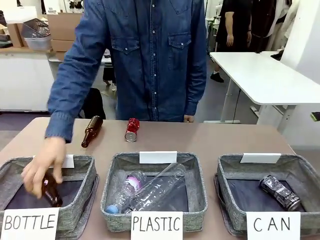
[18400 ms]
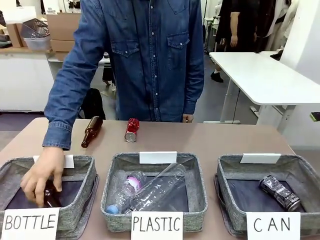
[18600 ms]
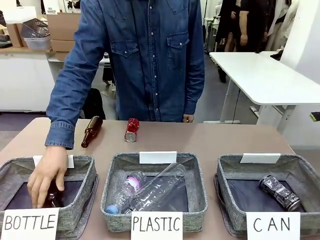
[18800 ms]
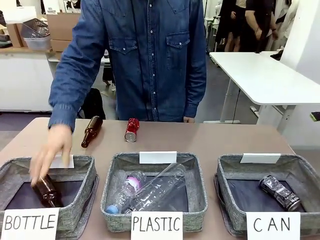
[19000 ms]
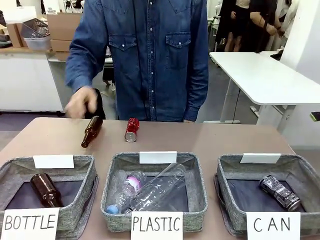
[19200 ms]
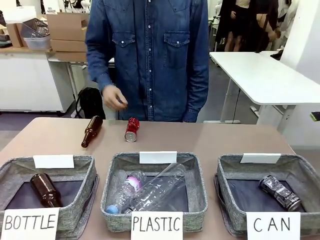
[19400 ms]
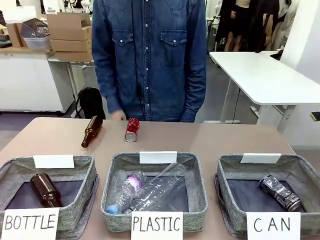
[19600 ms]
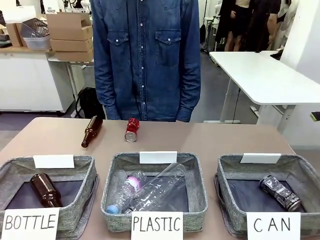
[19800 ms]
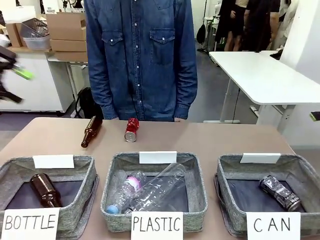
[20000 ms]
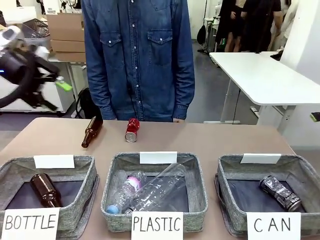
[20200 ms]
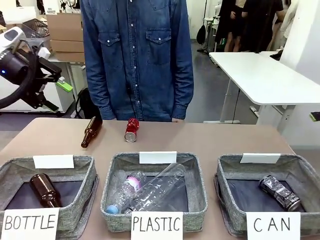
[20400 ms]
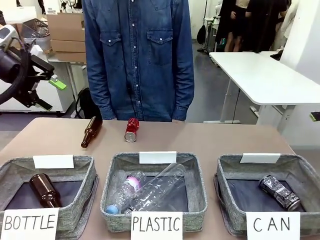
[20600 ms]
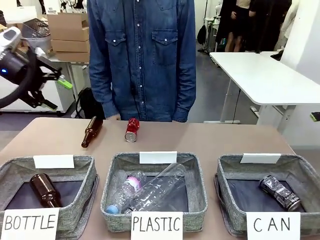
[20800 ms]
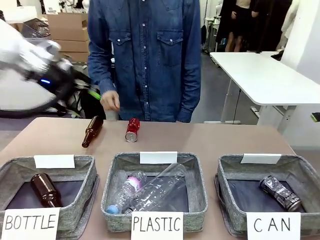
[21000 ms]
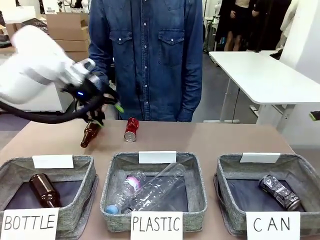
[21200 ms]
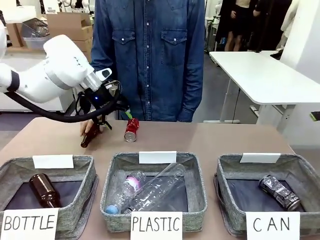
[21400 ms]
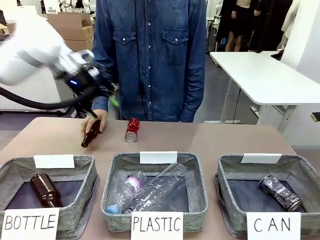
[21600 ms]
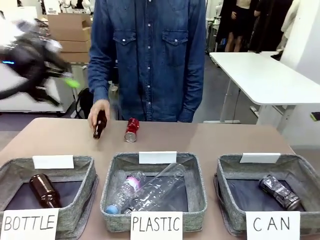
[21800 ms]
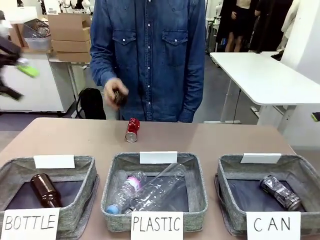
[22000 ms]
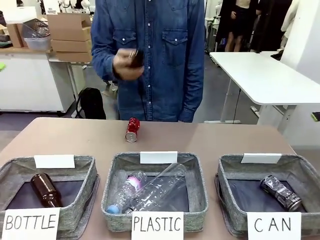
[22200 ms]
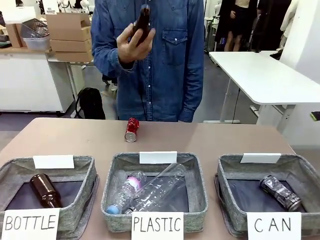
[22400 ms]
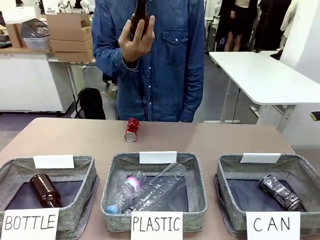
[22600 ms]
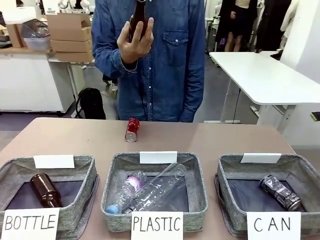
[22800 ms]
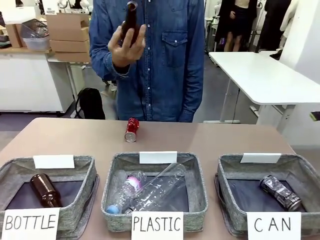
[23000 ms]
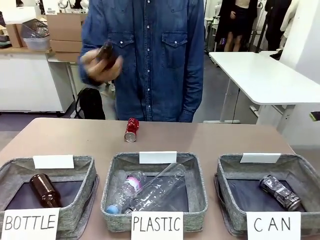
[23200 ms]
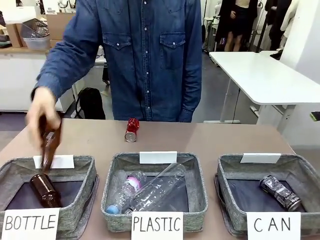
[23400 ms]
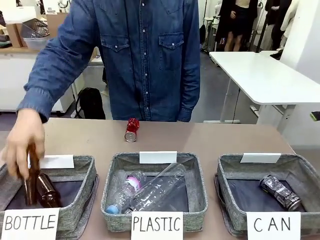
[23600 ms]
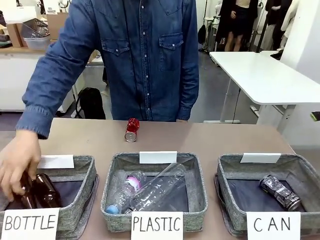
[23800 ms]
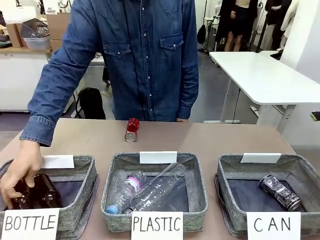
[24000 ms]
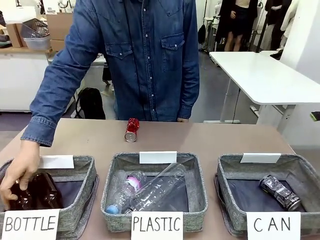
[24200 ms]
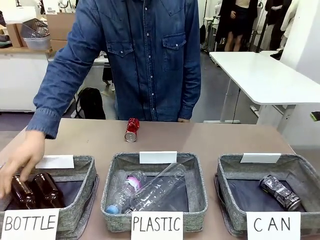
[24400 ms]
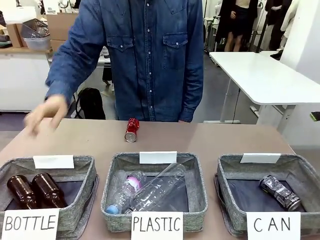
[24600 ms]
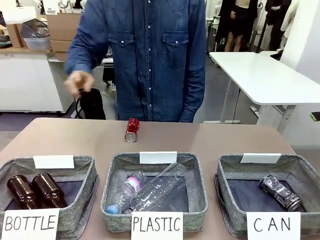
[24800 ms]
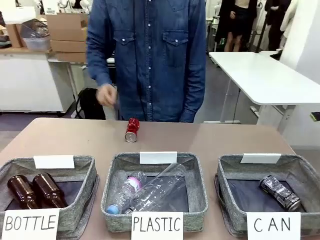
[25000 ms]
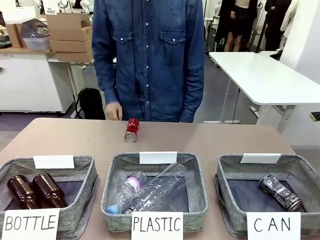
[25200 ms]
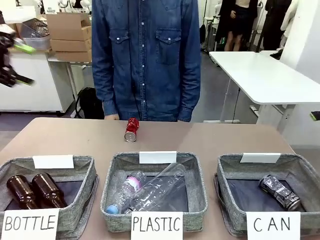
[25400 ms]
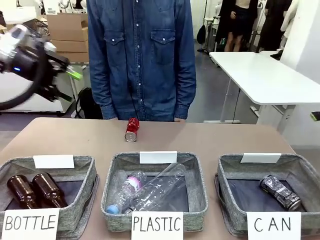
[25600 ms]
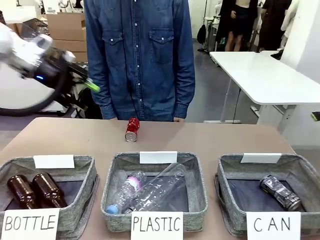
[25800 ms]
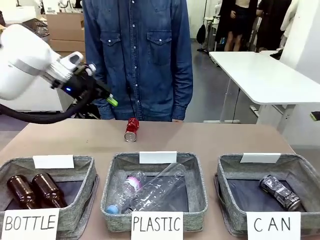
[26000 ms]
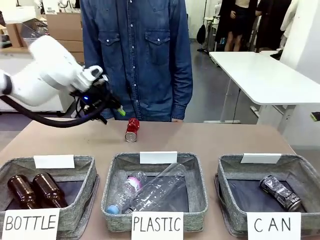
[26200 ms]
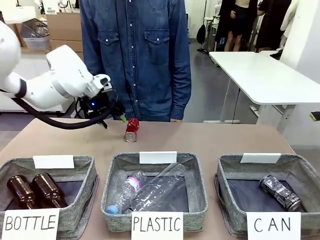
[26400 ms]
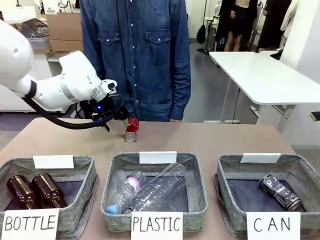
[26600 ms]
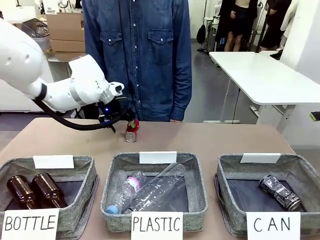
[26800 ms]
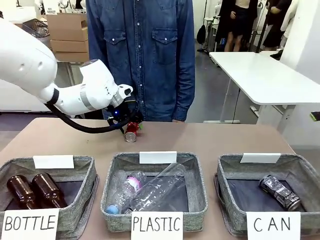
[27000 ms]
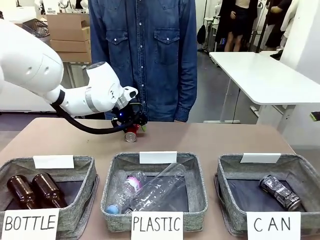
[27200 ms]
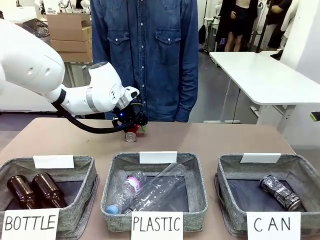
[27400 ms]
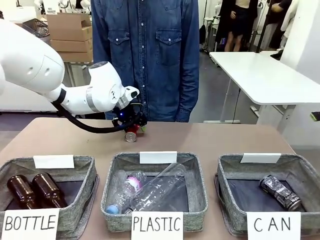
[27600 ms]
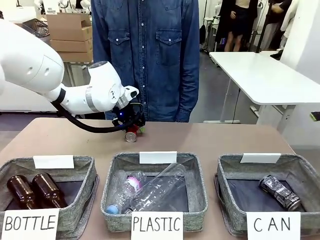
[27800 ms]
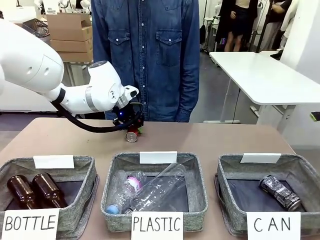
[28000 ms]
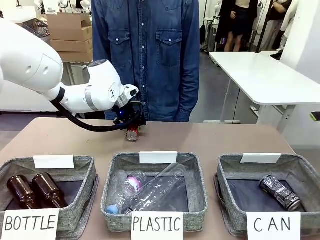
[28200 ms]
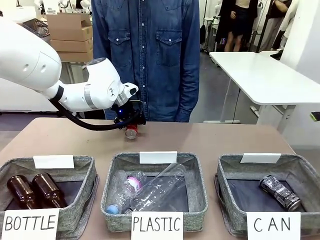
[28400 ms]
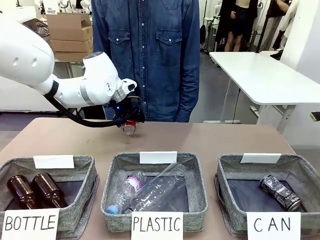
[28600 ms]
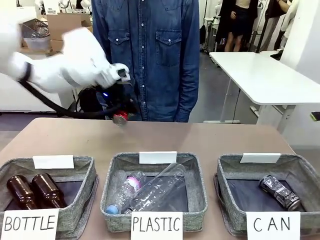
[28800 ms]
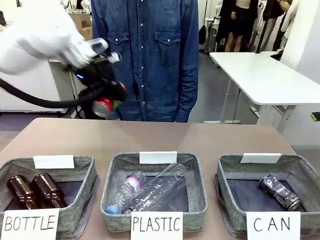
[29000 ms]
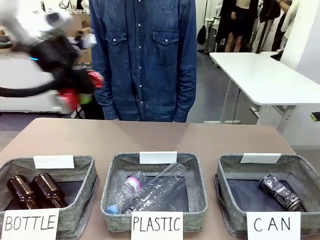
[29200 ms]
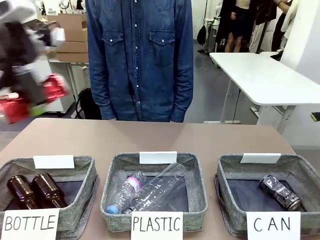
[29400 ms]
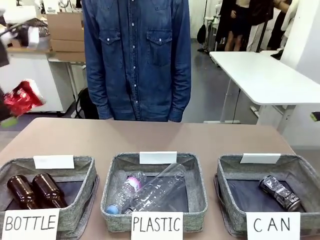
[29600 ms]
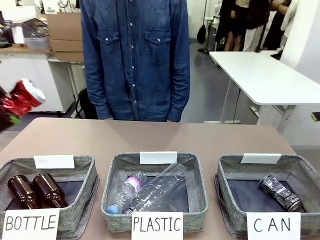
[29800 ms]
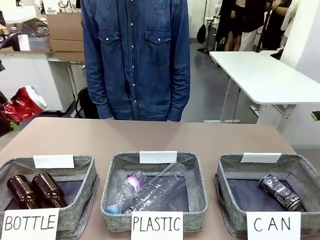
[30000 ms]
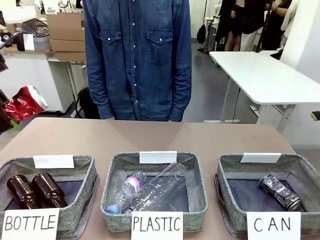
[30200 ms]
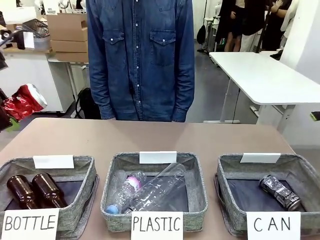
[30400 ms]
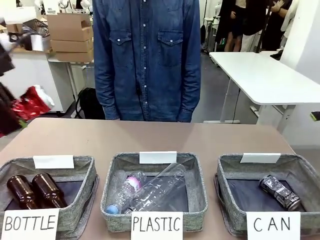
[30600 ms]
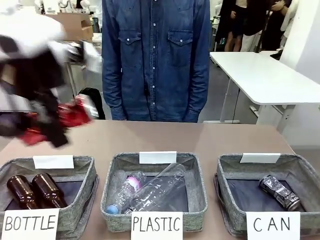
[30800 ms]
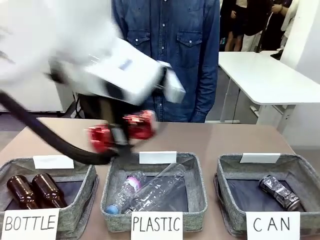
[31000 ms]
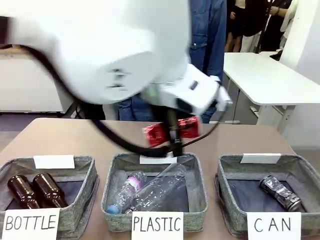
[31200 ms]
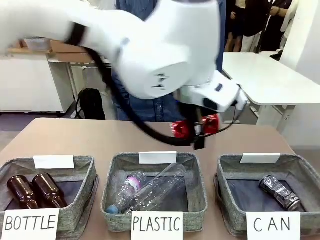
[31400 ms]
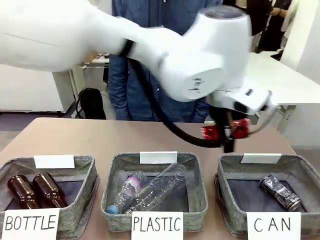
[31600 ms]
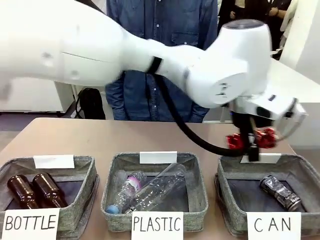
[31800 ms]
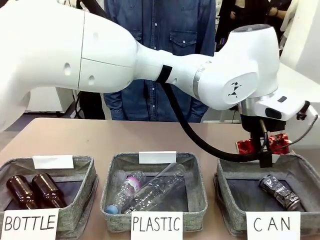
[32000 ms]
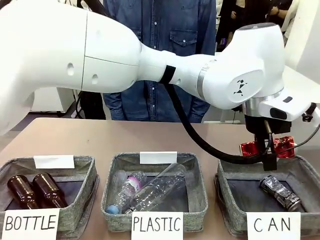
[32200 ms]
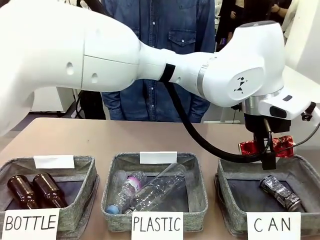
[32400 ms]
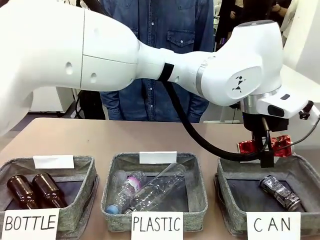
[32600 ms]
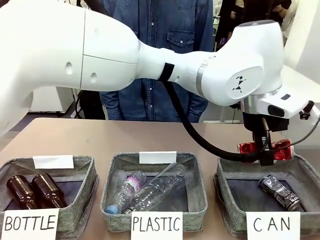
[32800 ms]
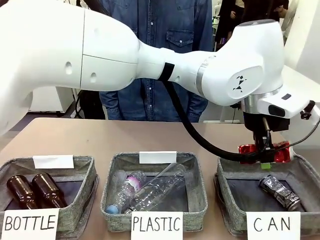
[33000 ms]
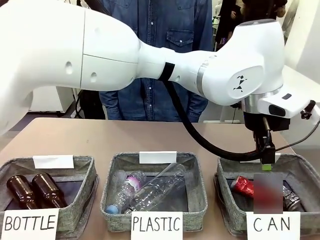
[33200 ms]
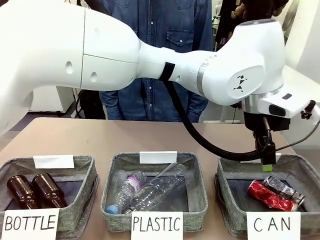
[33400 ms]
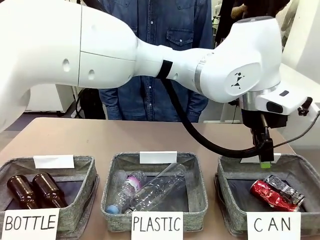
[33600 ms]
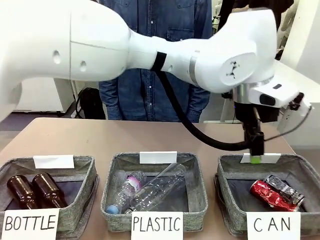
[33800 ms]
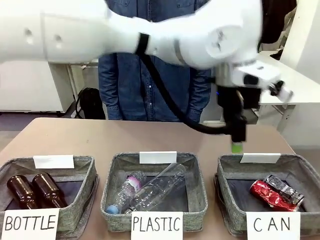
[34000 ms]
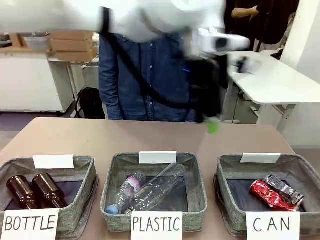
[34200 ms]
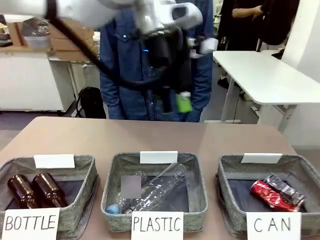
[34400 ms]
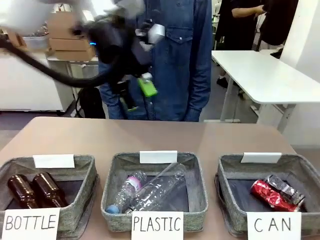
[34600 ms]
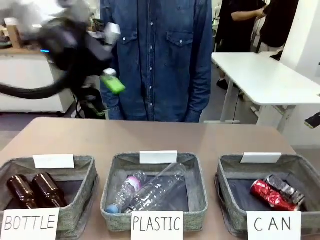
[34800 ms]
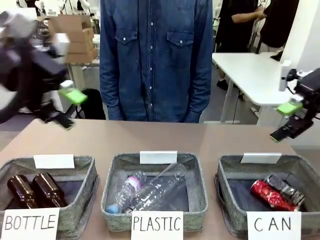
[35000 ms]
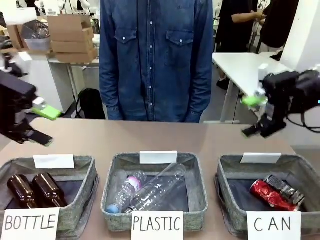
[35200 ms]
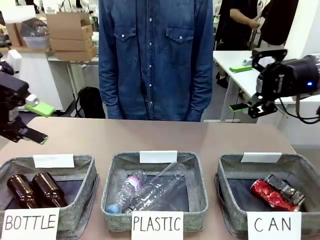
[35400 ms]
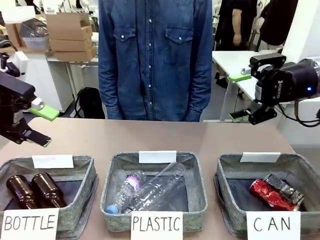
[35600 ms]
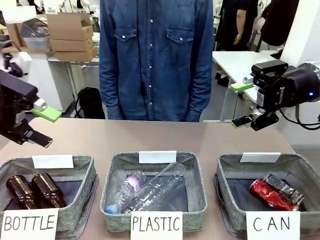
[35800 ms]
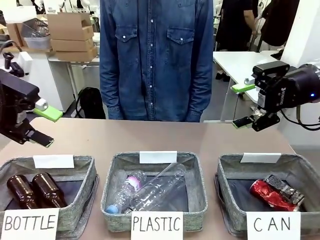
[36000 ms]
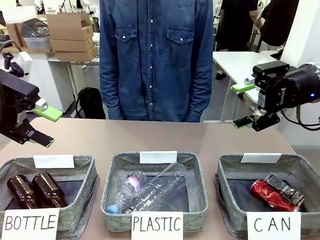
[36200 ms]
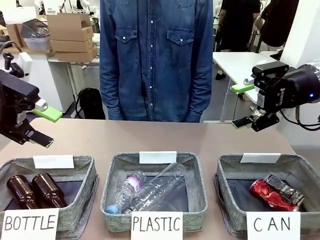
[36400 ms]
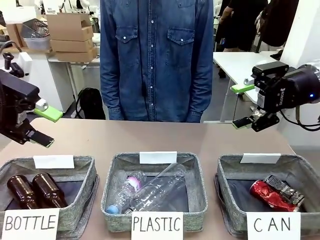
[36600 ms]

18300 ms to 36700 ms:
Task: Sort the can waste into the basket.
Robot: Pick up the can waste from the table and place it in the right Fabric basket.
Person: The human picks up one piece of trash that is not a can and places the trash into the appropriate organizing basket.
